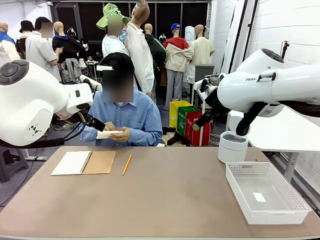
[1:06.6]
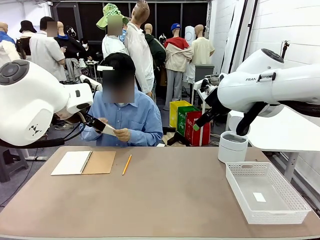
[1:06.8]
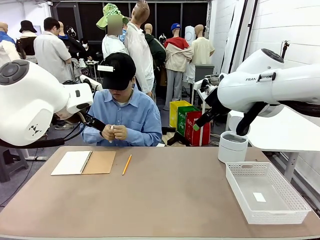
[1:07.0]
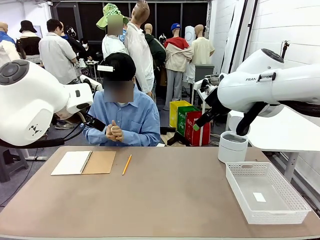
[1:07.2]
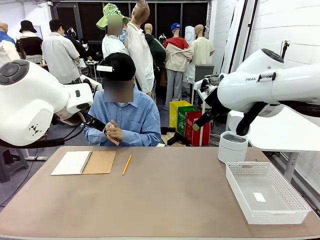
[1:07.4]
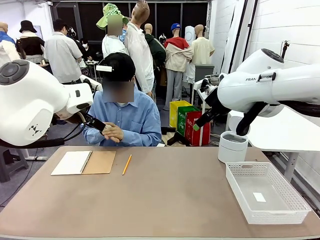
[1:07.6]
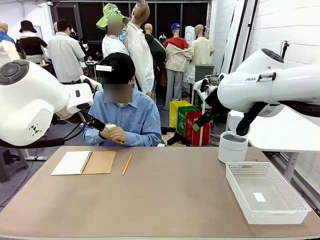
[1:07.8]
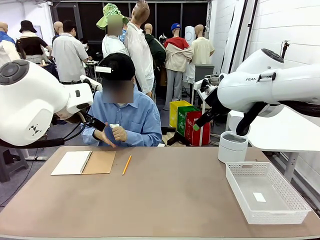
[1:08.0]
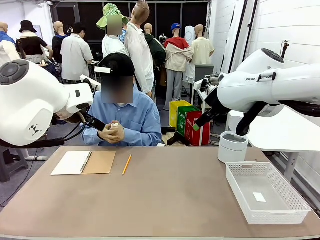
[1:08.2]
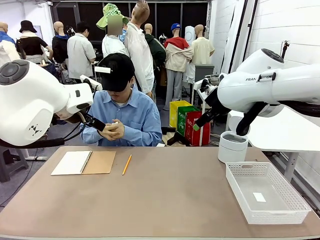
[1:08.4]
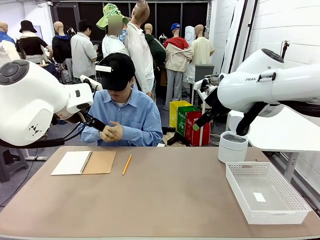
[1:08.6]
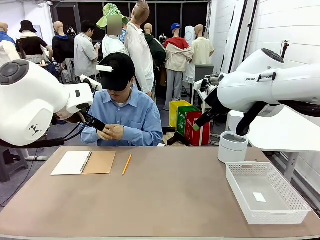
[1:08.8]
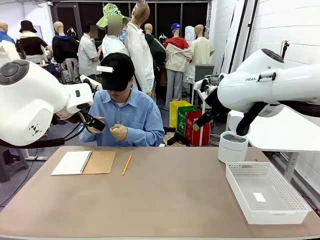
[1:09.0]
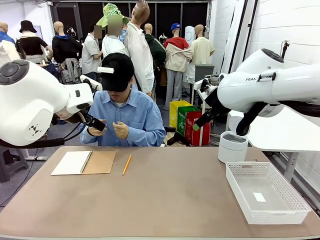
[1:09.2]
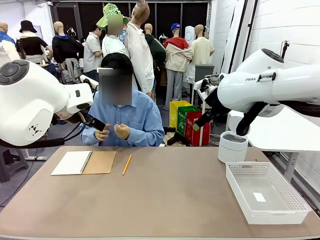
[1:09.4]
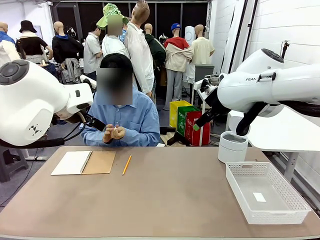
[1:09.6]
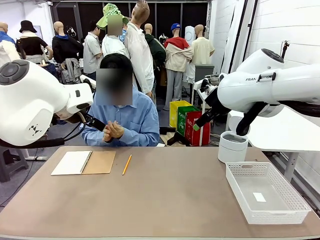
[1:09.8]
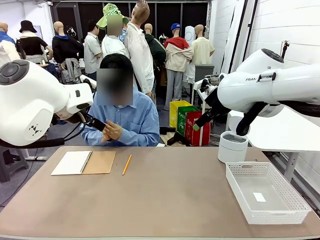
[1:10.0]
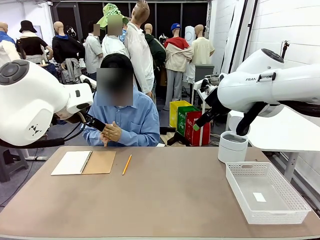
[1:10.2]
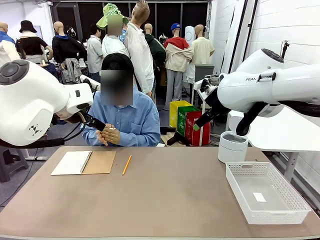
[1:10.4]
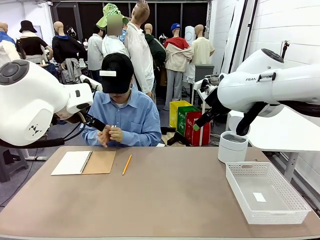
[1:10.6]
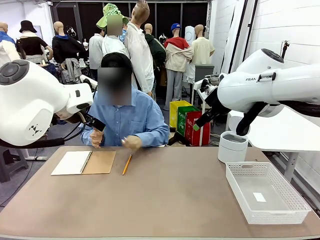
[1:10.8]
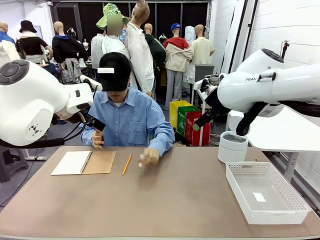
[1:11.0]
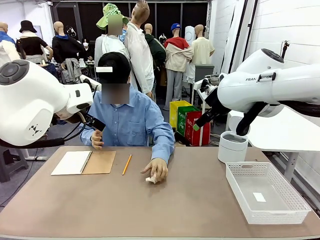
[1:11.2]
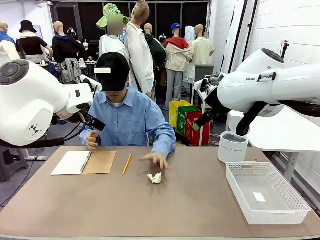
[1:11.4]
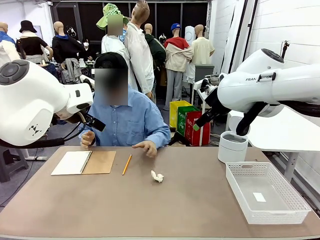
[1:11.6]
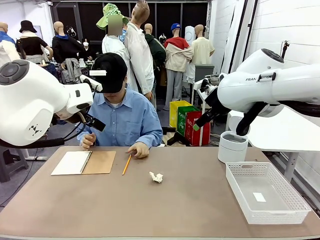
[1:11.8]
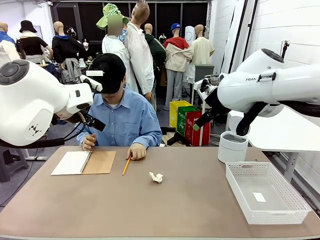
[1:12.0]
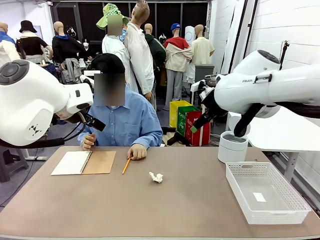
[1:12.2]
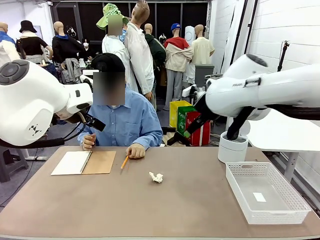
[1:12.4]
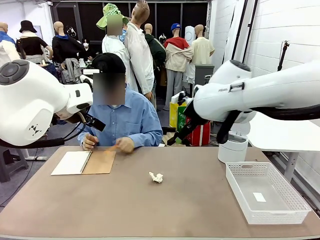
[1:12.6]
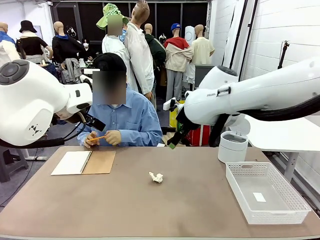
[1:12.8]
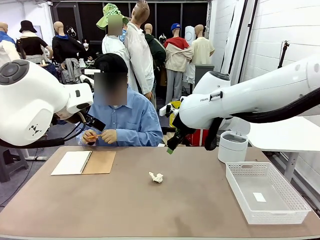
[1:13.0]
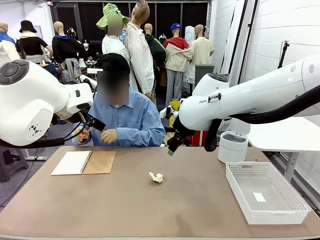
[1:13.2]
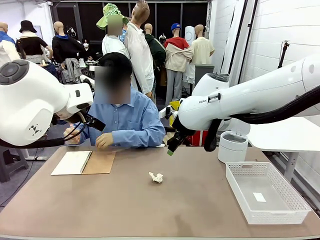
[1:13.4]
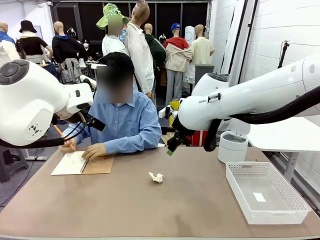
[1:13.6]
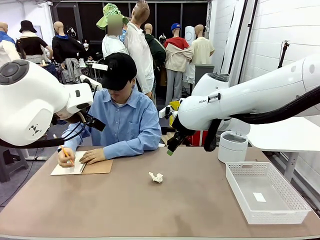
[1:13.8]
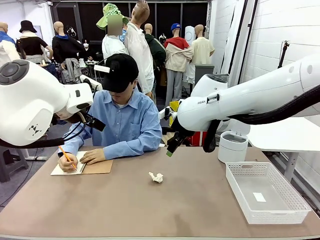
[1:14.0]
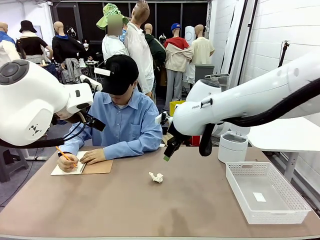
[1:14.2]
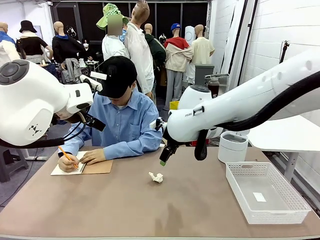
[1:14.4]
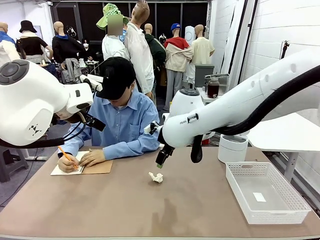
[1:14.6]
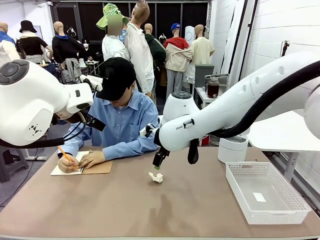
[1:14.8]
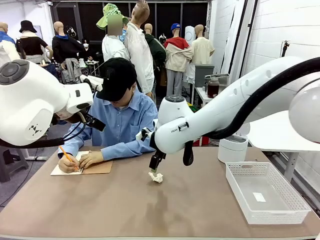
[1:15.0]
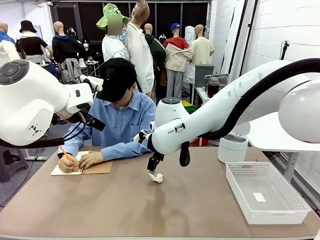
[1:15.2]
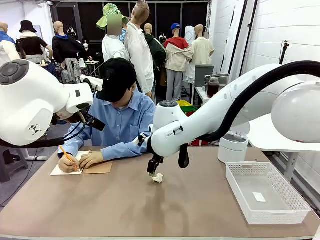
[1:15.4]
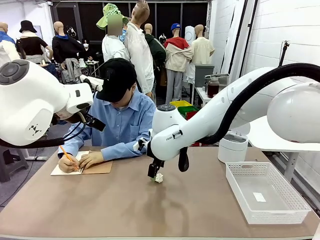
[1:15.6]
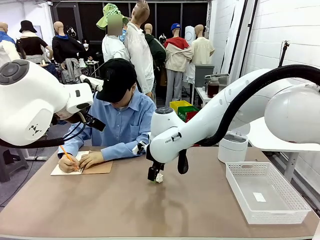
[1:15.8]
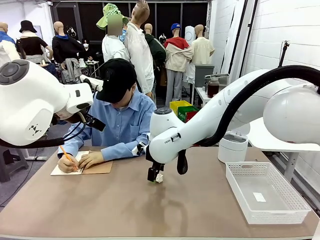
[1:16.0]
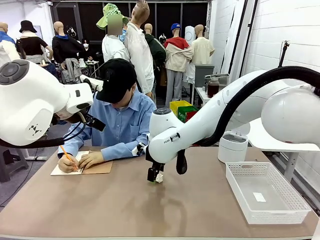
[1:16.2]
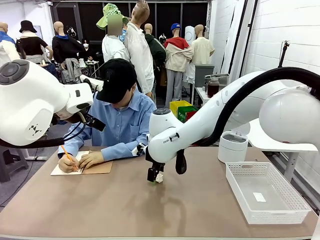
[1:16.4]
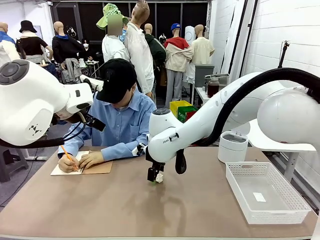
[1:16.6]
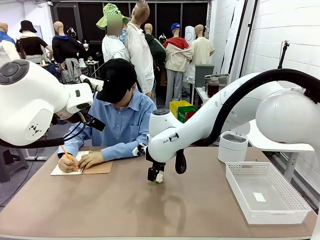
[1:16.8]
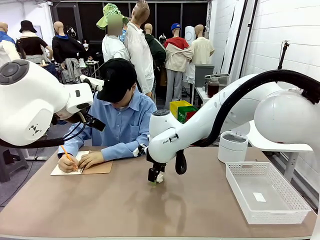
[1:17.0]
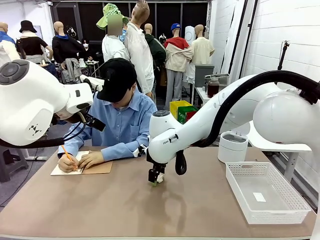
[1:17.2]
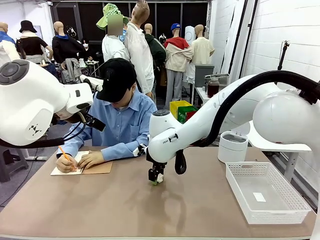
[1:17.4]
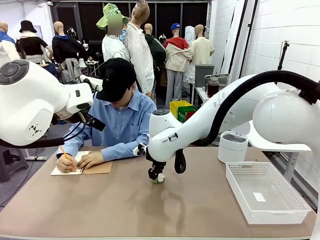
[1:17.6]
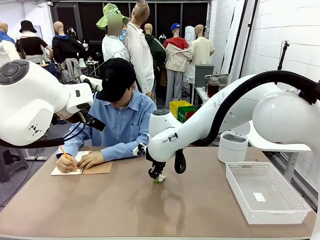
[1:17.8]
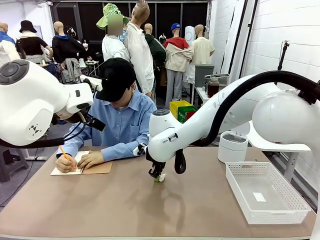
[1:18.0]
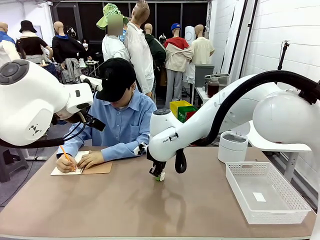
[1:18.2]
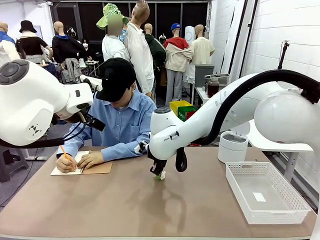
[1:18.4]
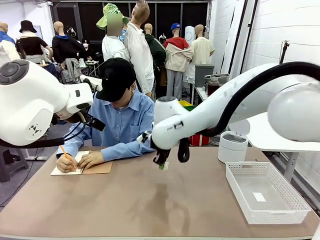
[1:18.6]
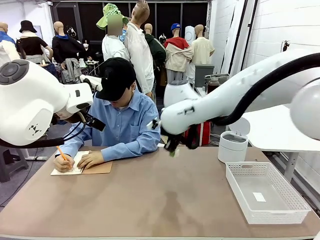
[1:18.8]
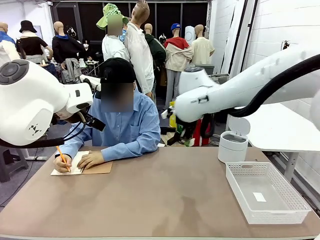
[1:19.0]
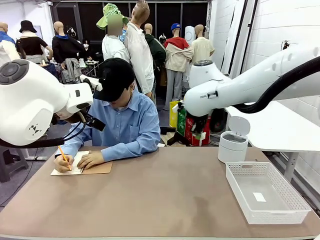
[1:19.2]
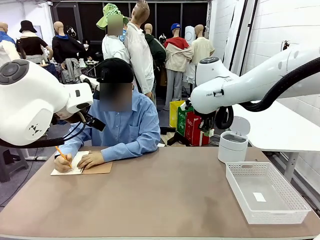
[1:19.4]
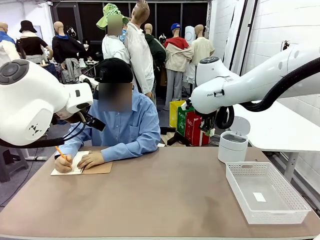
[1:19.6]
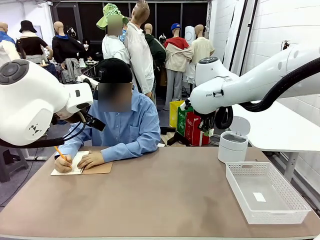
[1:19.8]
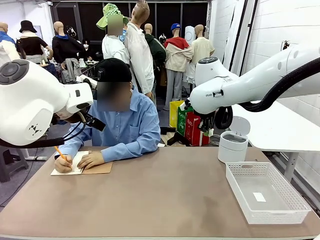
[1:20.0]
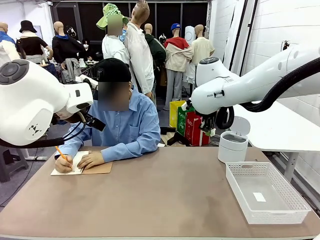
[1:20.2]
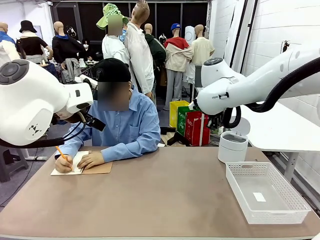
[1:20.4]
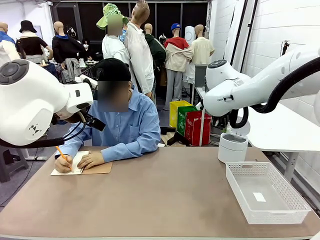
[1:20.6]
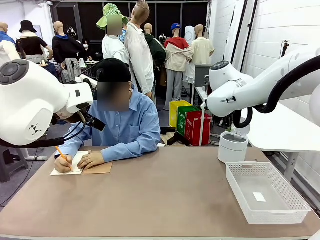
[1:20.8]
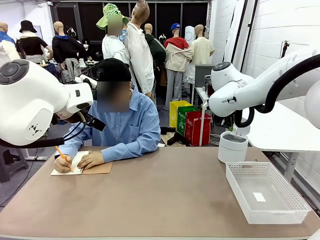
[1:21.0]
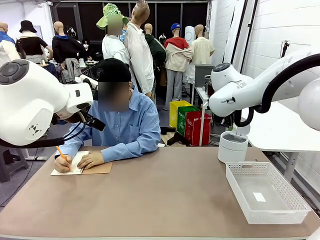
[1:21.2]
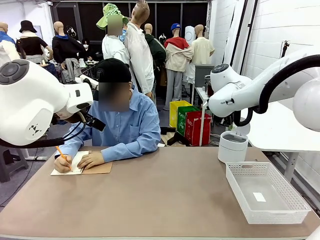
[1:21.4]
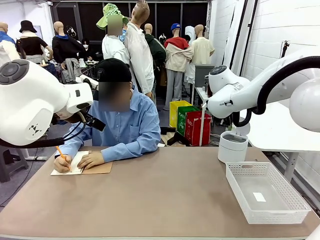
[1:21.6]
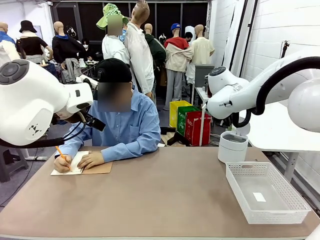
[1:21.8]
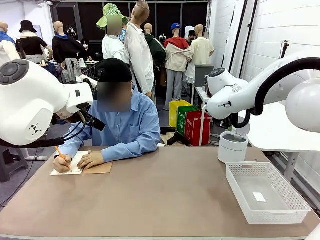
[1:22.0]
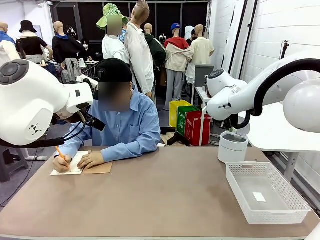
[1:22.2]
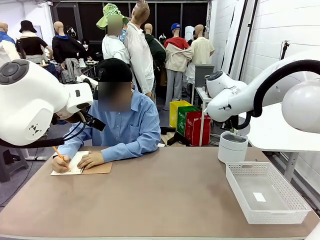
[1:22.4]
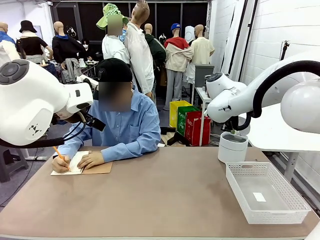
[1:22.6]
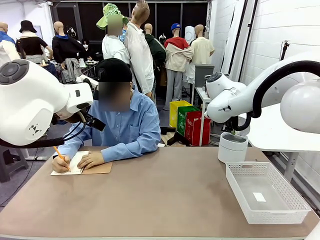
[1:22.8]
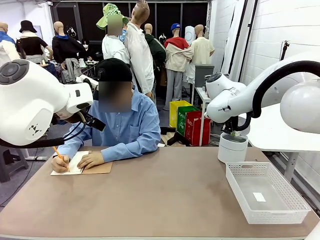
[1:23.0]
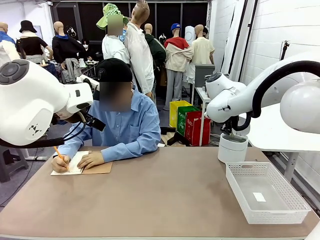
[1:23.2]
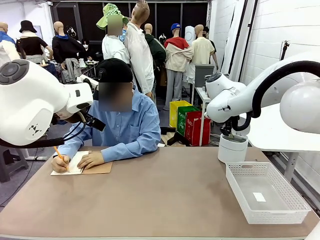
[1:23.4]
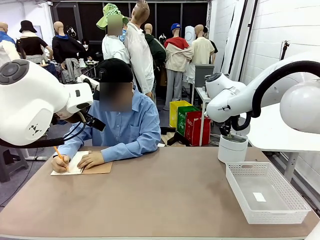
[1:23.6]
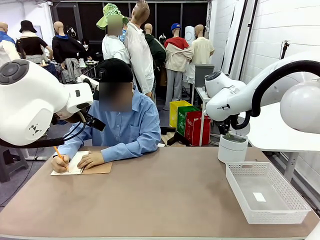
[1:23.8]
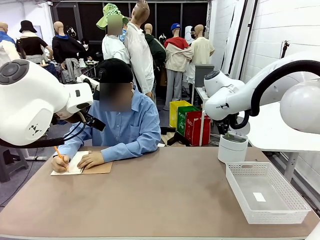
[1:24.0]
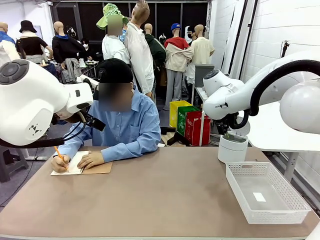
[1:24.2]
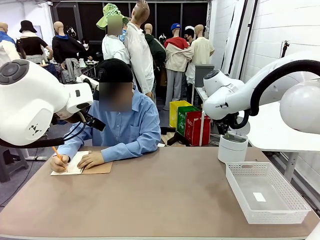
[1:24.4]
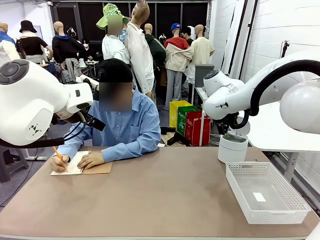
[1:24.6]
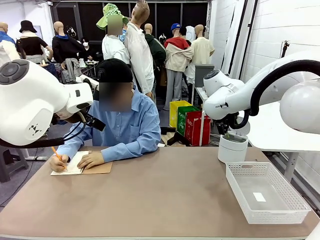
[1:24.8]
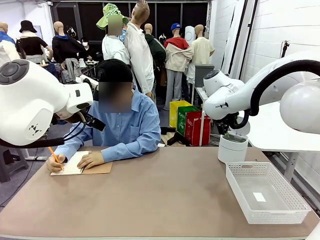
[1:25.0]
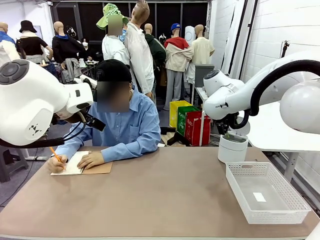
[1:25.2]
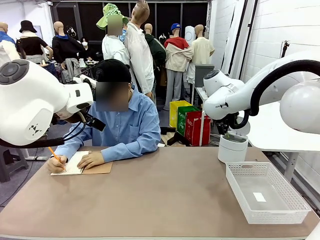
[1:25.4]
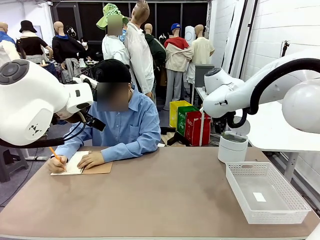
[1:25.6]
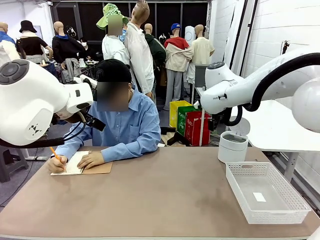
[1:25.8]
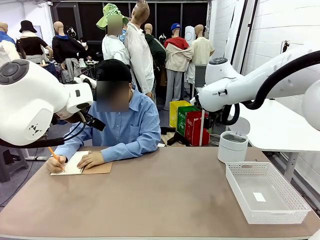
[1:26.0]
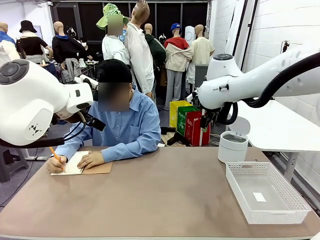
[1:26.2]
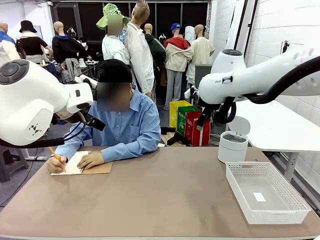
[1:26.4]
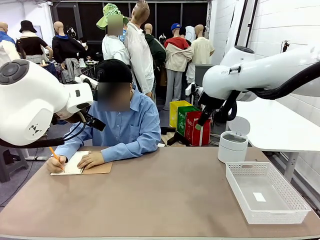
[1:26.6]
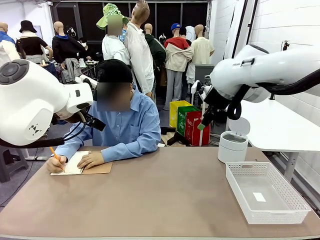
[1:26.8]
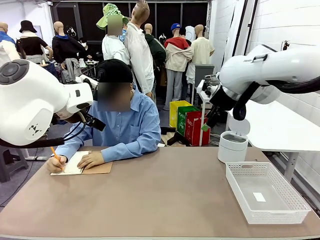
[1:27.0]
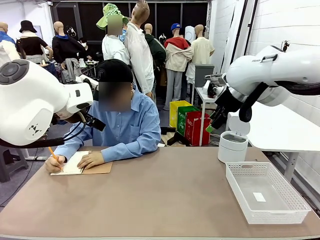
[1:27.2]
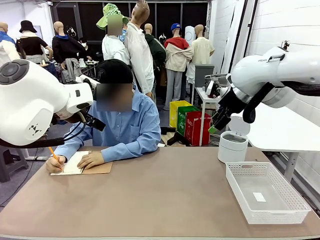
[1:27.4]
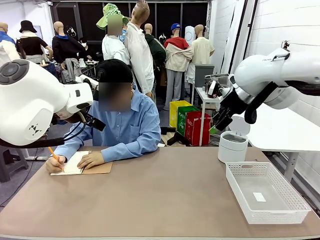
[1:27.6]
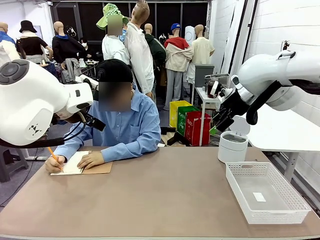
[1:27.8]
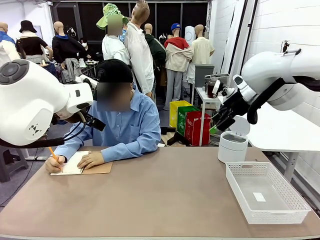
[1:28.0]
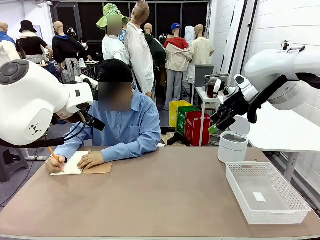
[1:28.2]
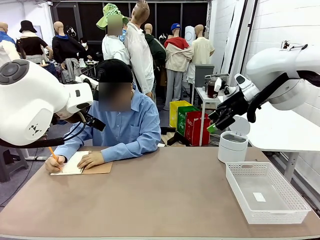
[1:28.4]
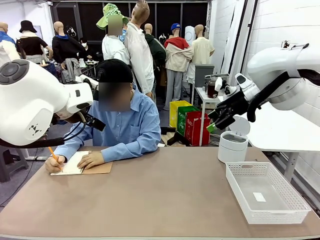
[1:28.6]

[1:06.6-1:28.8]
Task: Sort the paper based on its condition.
Robot: If a person hands you a paper, place it in the Organizing basket , and if it's crumpled, put it in the Trash can.
Person: Hand the torn page to the robot or crumple it and throw it to the center of the table. Tear out a page from the spiral notebook.
